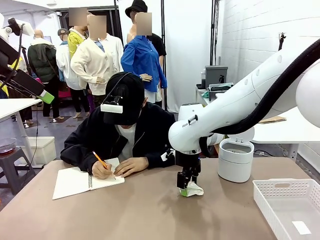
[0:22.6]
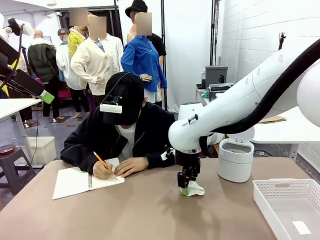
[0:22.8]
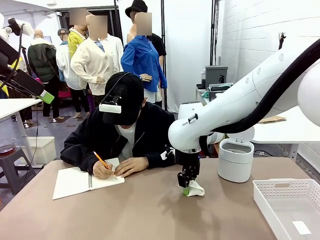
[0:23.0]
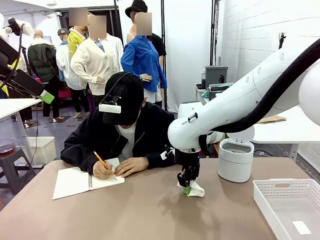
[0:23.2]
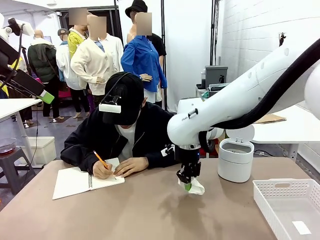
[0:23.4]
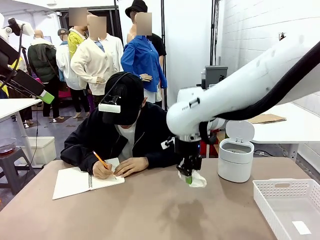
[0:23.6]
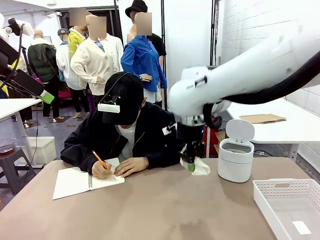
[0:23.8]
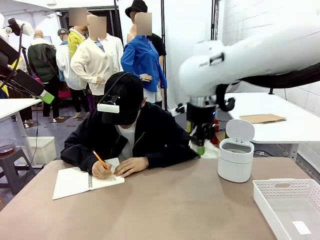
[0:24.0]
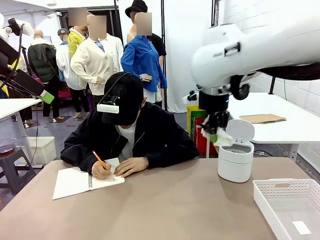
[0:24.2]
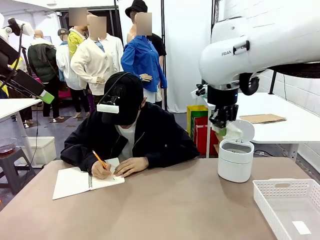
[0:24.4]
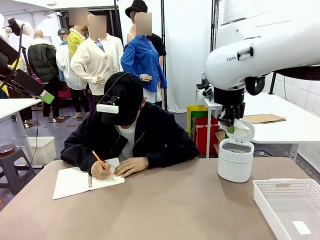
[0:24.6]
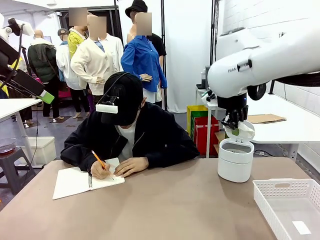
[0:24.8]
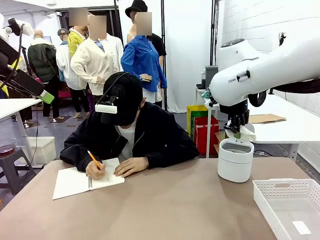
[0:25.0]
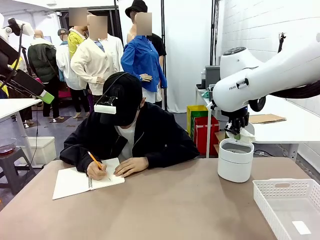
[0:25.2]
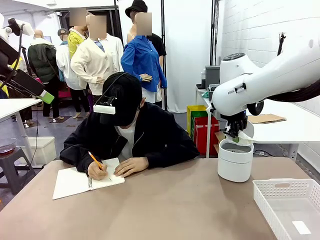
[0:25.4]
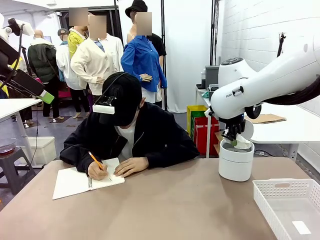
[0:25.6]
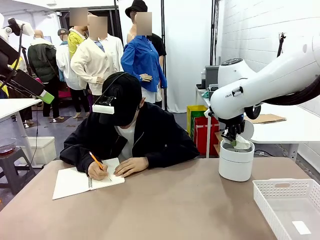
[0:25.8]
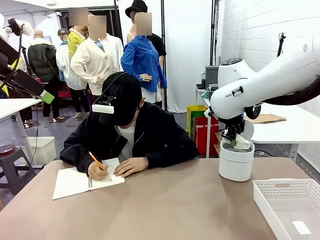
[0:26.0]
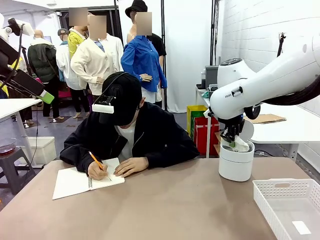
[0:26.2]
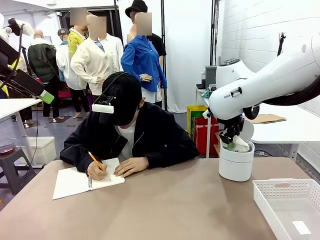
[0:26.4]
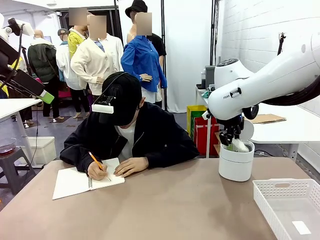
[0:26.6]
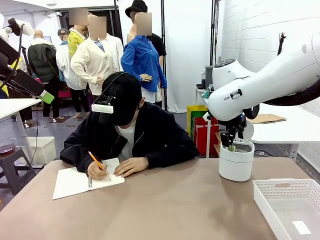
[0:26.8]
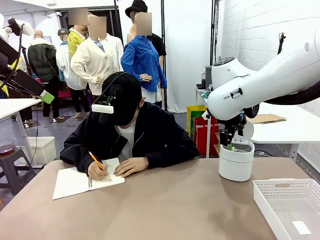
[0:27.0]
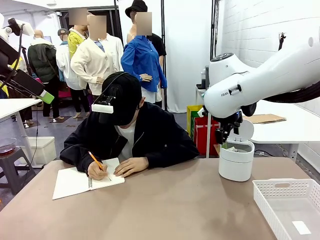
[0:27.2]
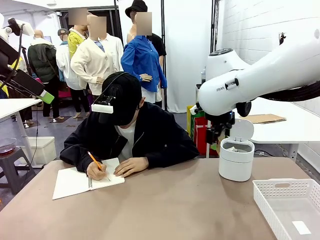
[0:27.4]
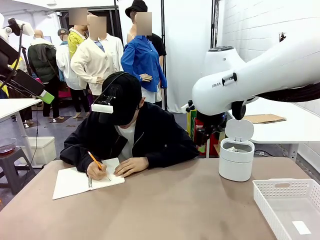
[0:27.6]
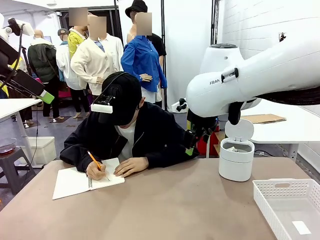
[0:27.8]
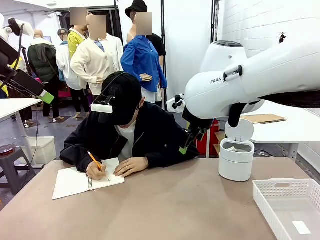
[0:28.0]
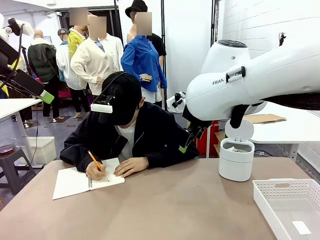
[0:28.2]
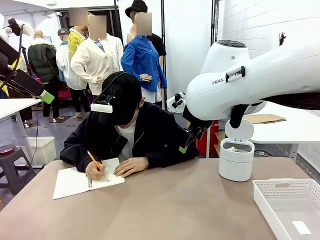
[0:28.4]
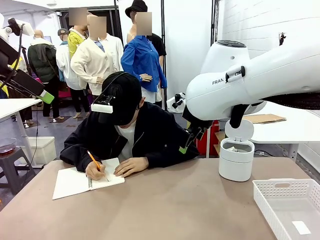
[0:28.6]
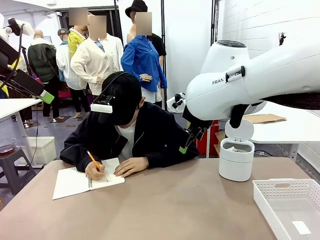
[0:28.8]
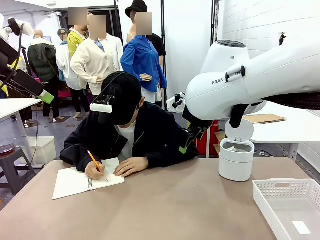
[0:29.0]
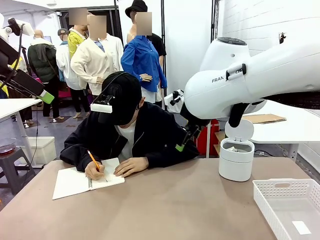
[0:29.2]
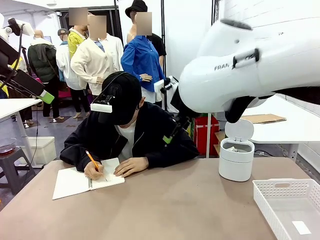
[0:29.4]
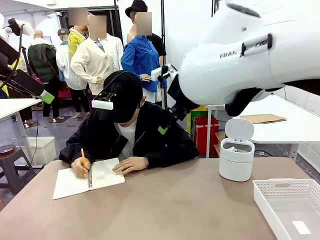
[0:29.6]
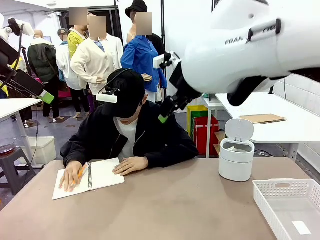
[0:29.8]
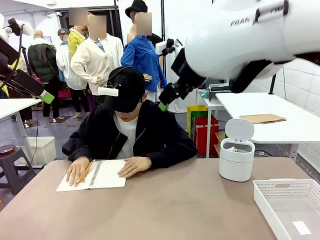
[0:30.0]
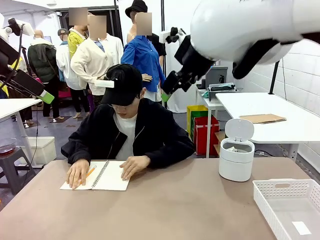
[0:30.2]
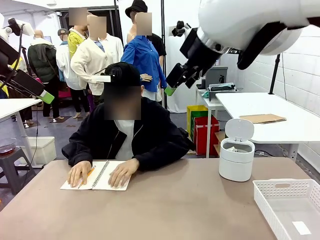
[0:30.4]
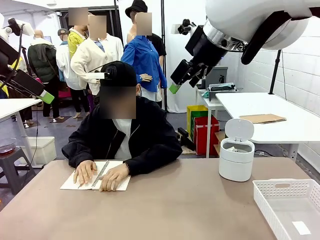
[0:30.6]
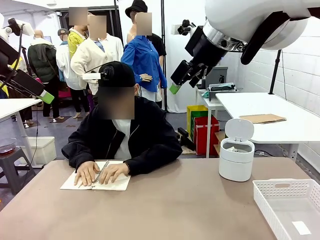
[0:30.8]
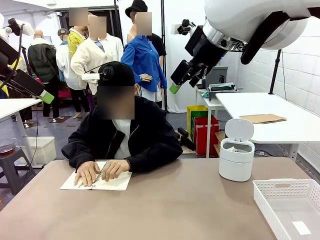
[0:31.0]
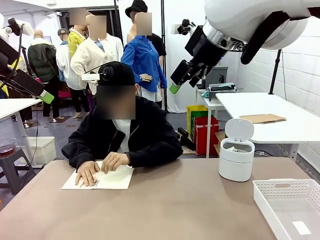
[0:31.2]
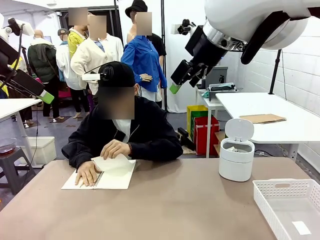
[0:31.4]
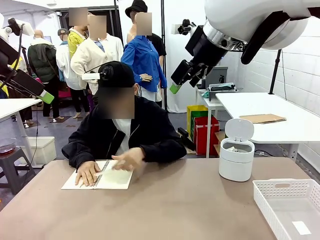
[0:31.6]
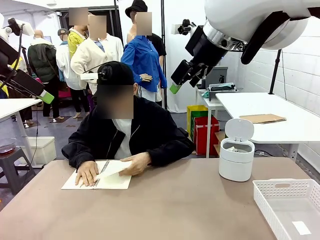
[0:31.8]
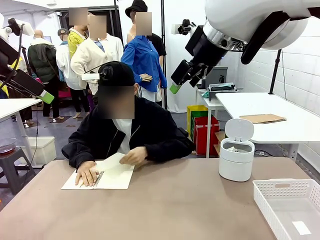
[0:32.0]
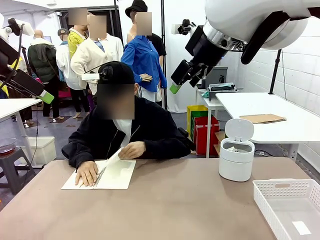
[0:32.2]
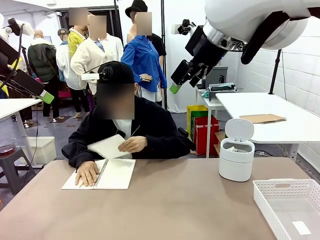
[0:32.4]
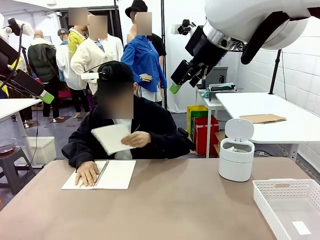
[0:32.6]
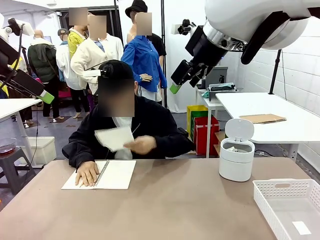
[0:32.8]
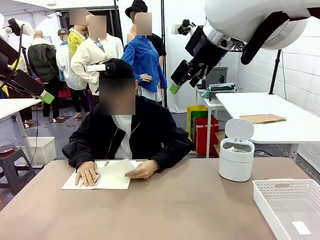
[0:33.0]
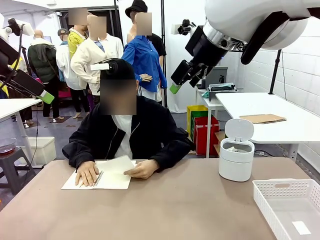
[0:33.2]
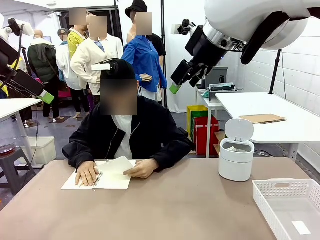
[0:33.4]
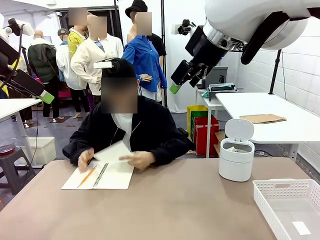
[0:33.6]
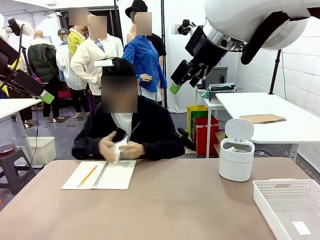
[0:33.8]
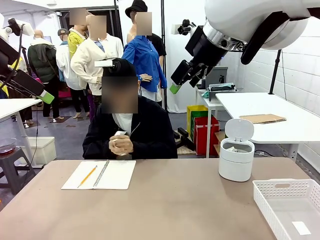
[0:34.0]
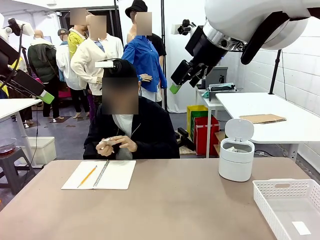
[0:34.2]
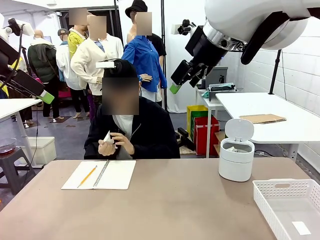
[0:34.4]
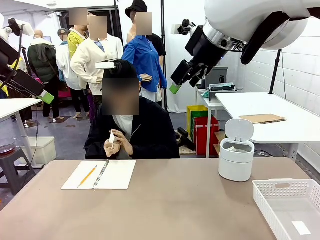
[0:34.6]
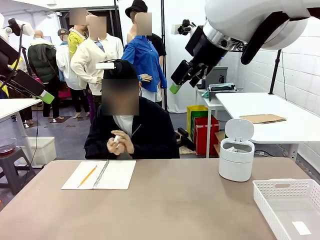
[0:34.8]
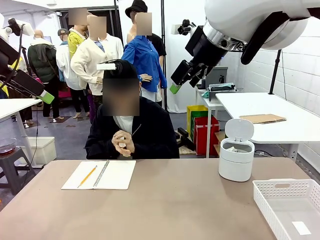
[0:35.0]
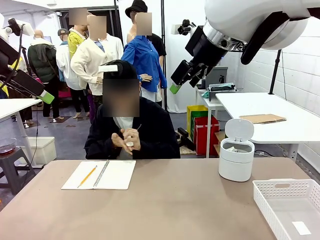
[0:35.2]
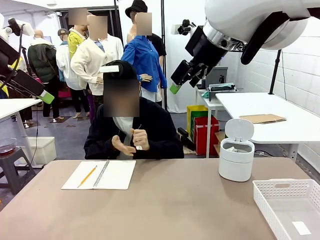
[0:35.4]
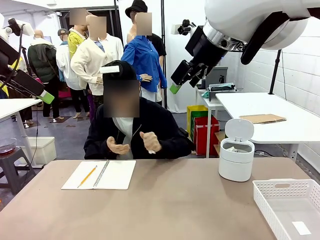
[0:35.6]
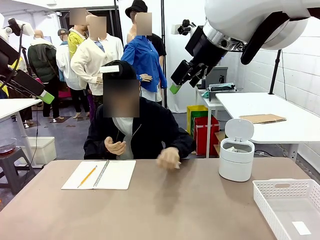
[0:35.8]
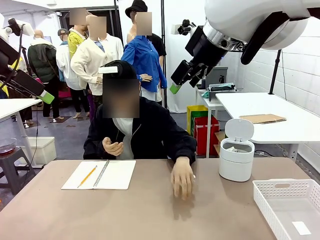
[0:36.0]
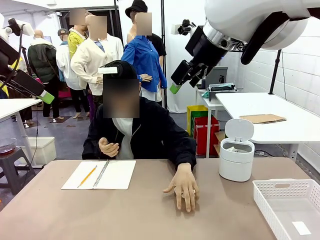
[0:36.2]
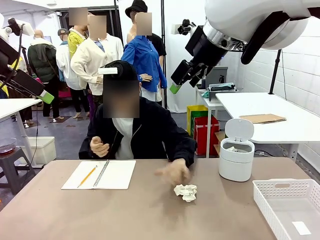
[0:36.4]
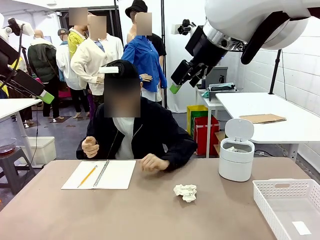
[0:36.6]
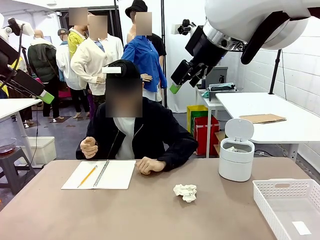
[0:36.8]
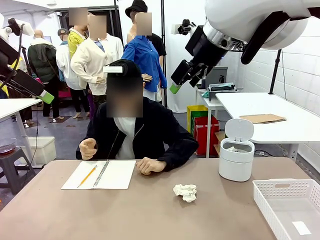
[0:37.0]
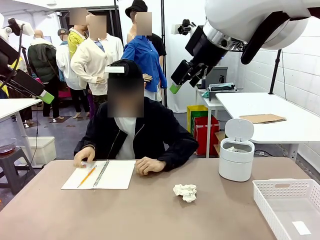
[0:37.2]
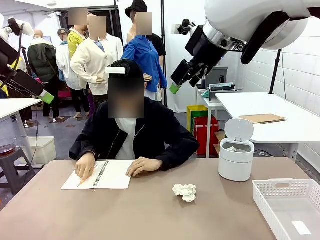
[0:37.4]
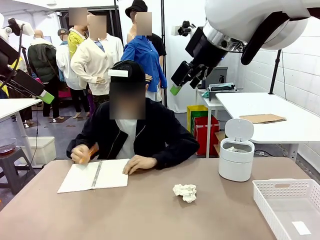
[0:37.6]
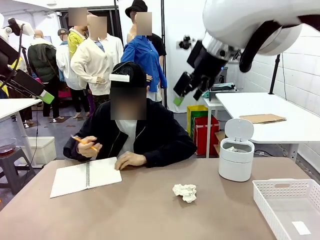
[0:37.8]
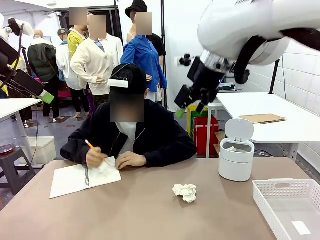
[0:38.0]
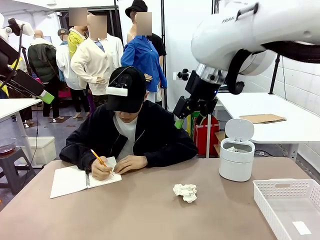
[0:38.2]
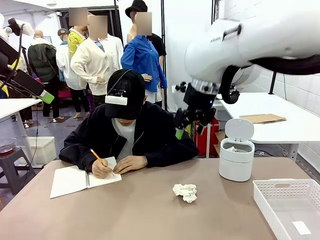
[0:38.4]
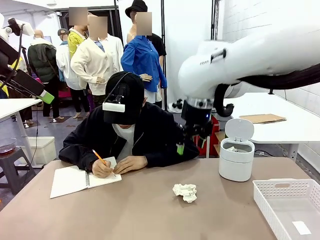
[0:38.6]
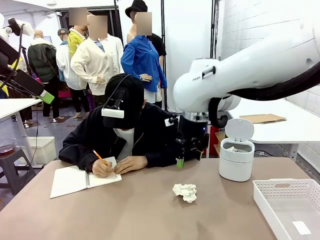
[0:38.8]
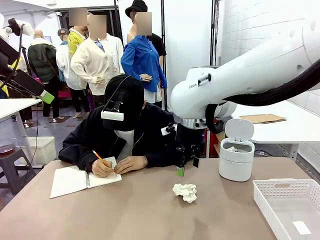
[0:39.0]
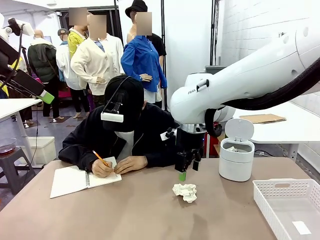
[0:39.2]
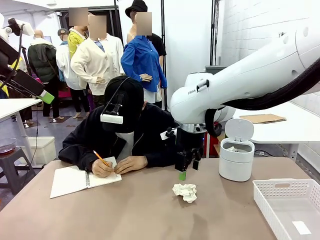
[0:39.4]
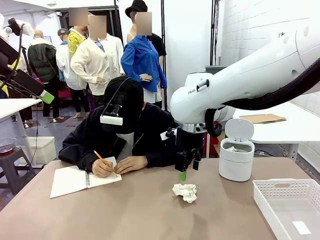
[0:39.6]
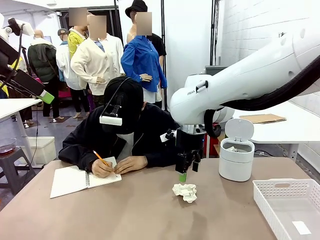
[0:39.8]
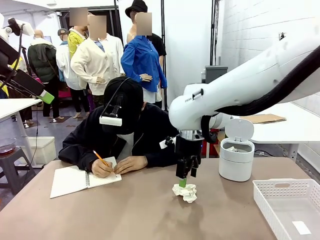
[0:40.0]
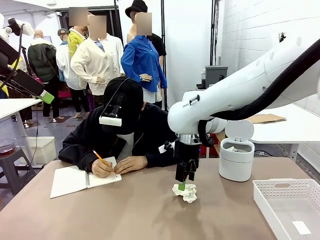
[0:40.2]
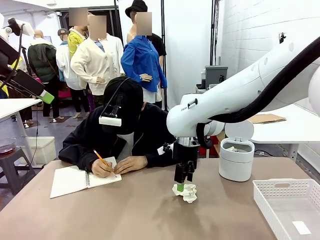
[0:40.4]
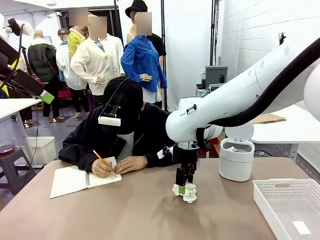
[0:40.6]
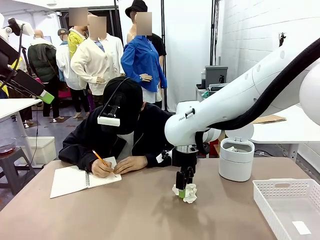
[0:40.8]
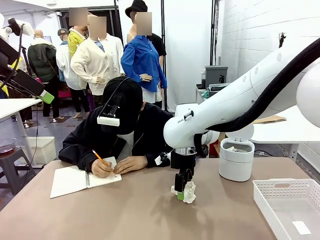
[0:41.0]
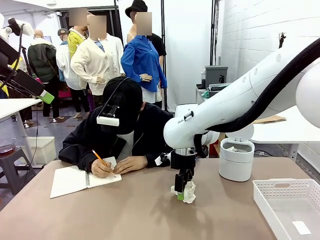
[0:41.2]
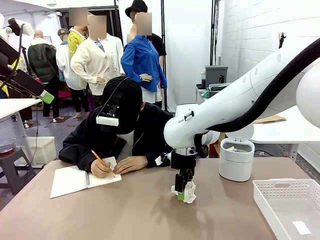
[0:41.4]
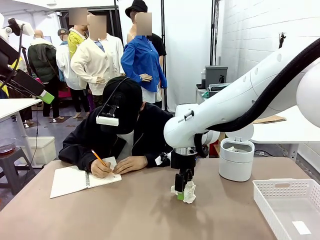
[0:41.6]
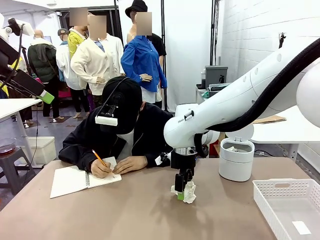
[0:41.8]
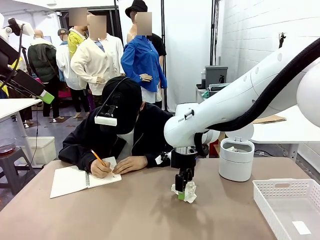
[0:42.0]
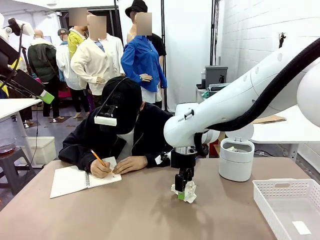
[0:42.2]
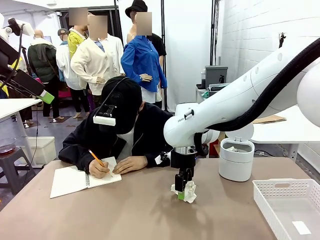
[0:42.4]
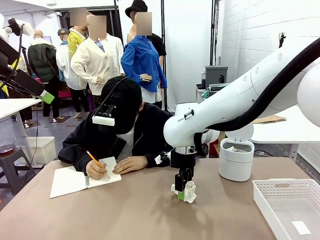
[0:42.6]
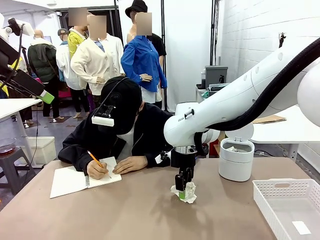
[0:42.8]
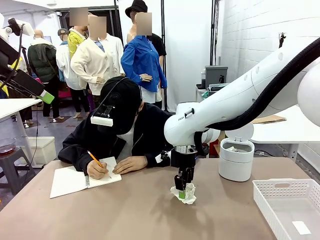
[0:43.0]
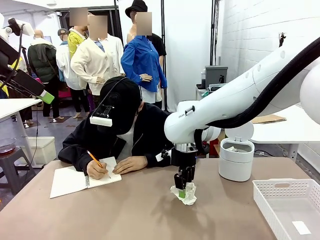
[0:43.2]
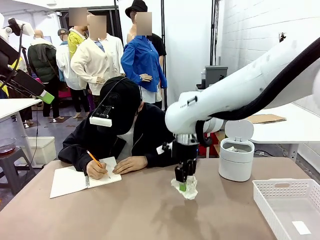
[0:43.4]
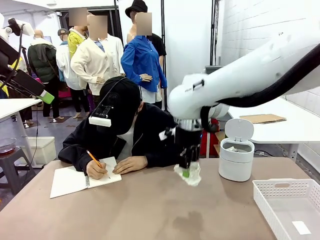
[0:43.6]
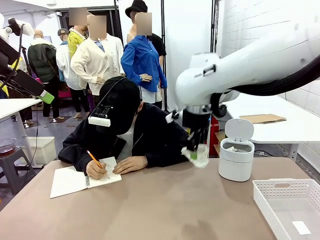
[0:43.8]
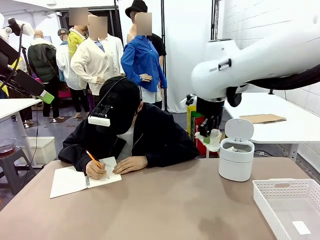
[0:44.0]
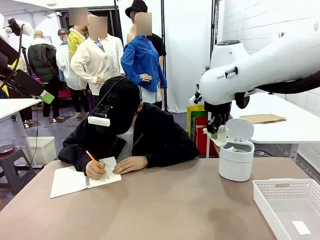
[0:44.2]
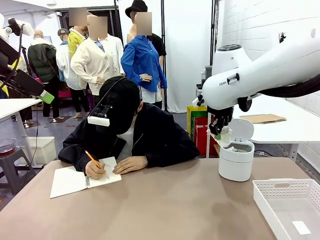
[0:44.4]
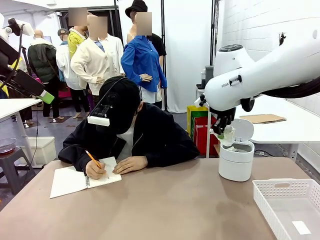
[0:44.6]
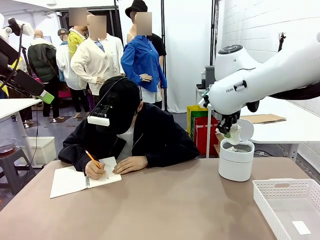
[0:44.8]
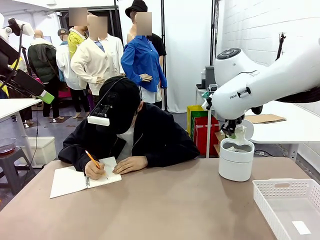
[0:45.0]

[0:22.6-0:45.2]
Task: Sort the paper based on its condition.
Robot: If a person hands you a paper, place it in the Organizing basket , and if it's crumpled, put it in the Trash can.
Person: Tear out a page from the spiral notebook. Hand the torn page to the robot or crumple it and throw it to the center of the table. Tear out a page from the spiral notebook.
